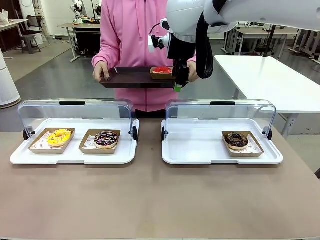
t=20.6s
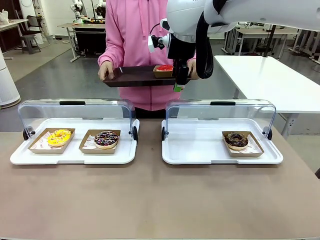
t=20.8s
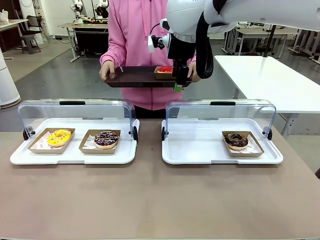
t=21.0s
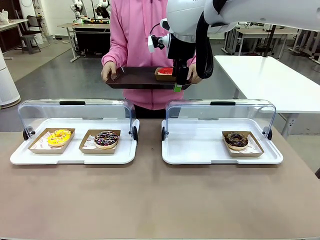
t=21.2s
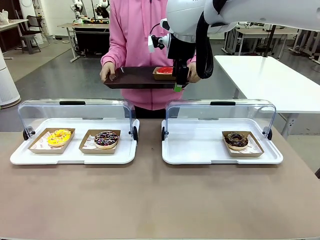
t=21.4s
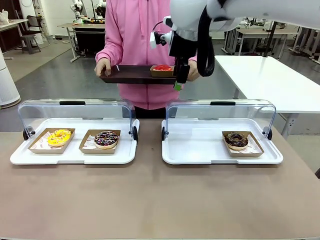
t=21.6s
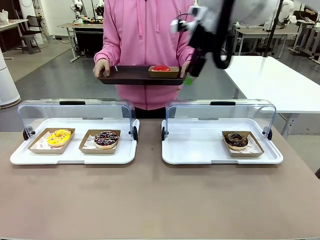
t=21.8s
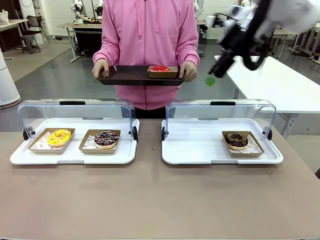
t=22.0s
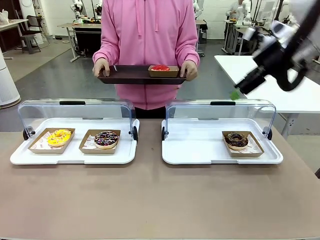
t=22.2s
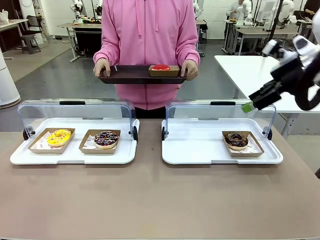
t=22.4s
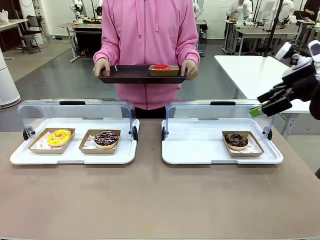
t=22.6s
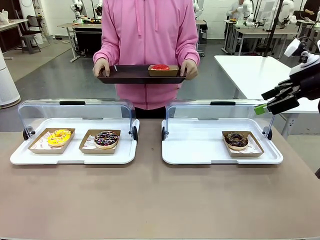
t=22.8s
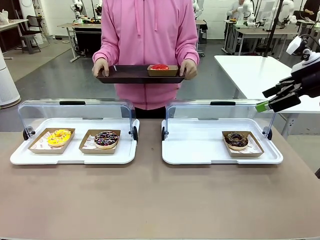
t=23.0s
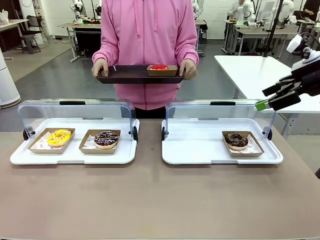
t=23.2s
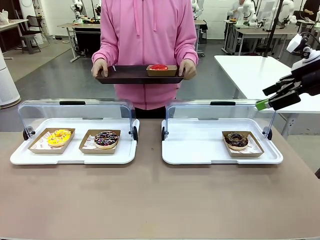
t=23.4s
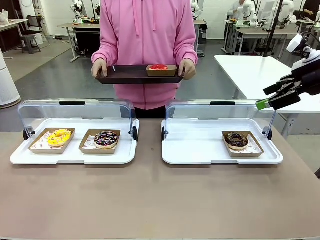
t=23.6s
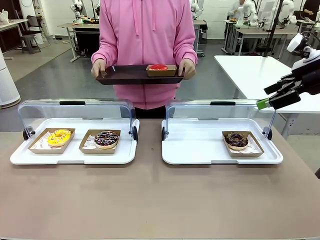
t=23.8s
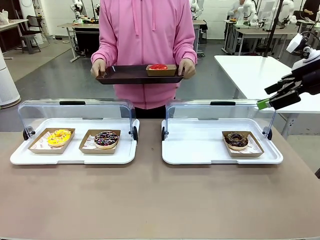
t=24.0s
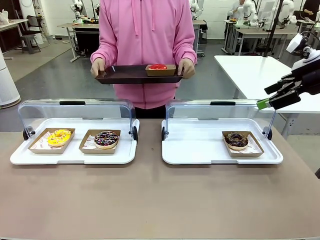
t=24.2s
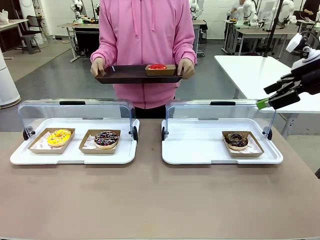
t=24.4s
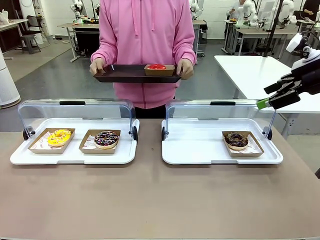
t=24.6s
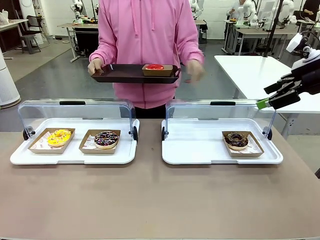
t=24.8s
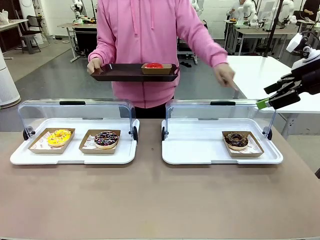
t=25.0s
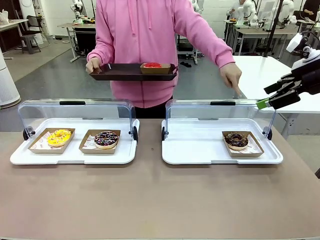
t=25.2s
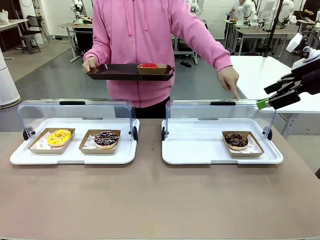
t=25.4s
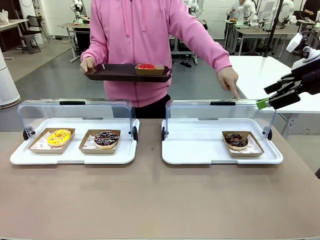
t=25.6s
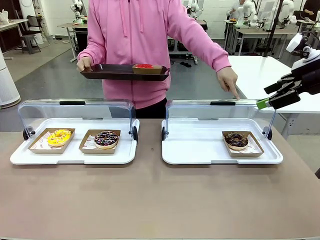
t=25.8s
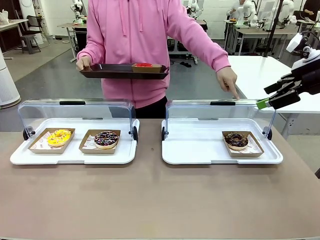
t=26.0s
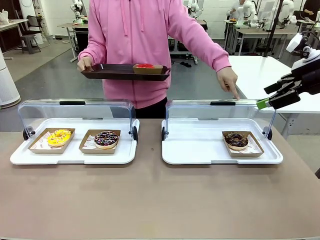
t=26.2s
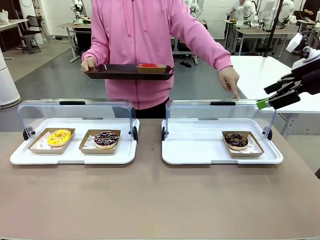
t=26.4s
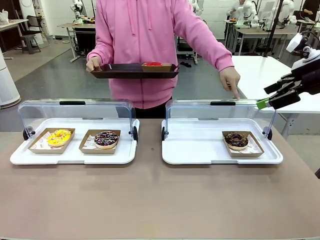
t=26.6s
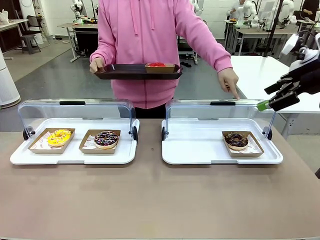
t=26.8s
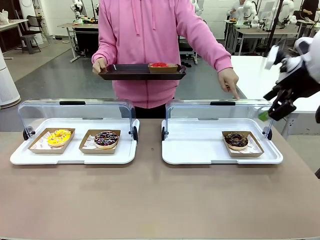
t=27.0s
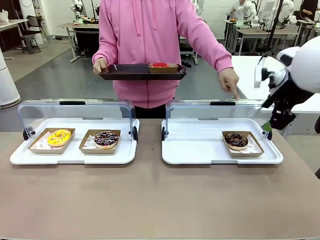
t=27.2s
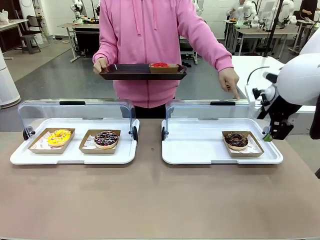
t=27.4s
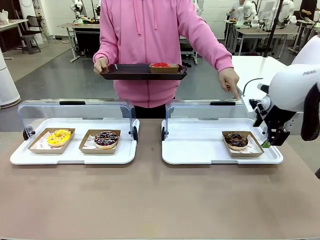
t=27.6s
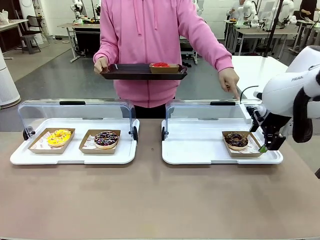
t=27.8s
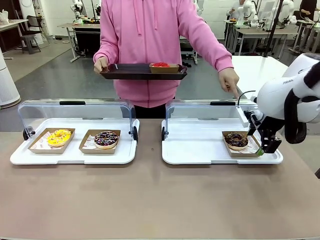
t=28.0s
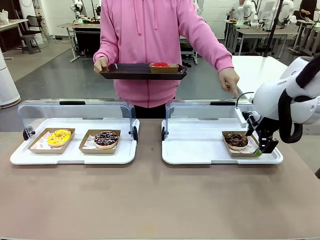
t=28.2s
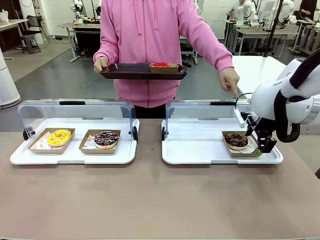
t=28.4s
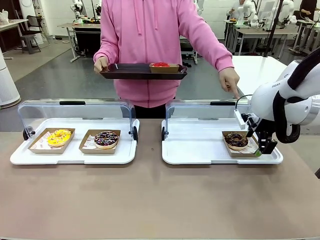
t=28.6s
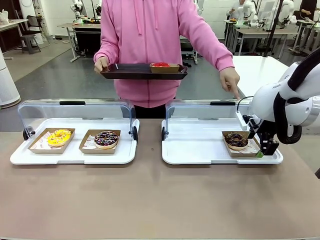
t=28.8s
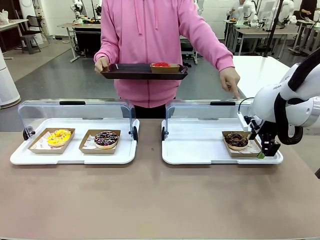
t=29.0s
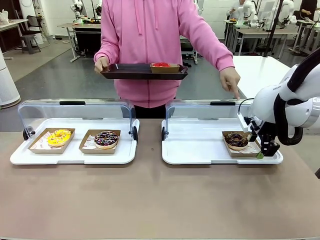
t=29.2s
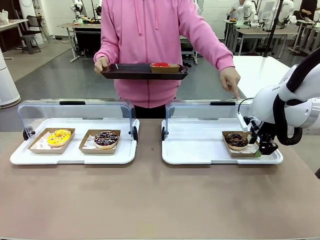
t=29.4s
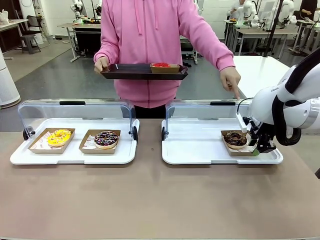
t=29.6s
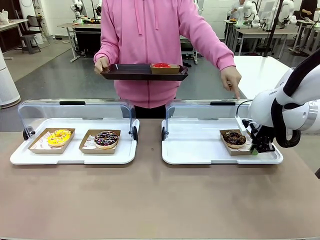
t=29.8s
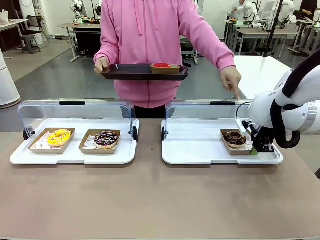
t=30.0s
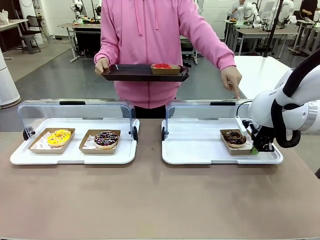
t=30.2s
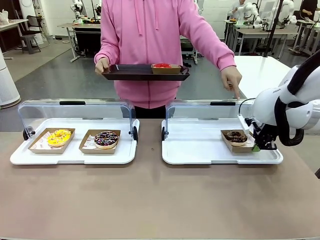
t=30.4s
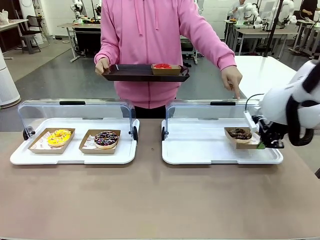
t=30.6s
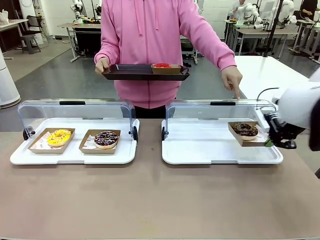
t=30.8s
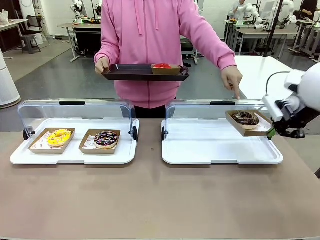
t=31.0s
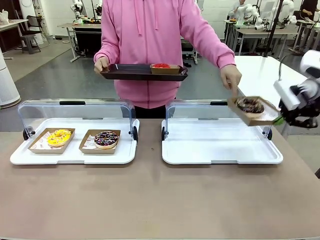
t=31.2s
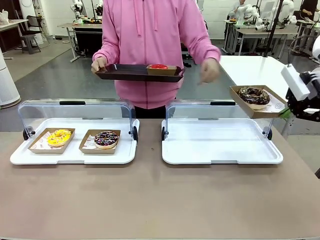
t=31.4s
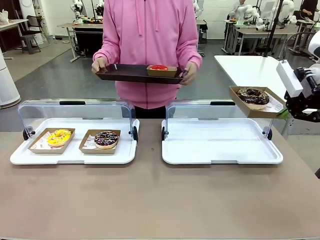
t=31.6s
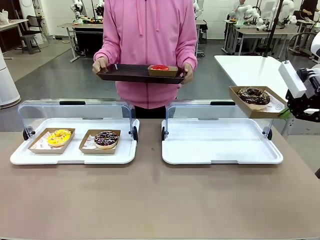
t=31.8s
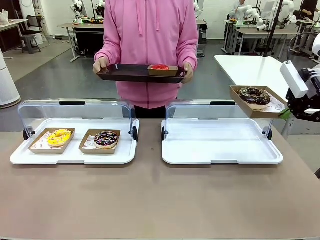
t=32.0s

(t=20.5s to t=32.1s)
Task: Provide the desired donut to the person.
Robot: Pick up and lift the Paper togo box containing the Donut pointed at by the person.
Person: Lift the tray onto the Roll-Top Bakery Case.

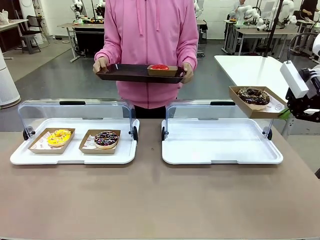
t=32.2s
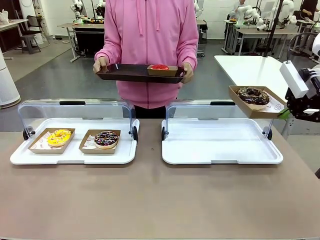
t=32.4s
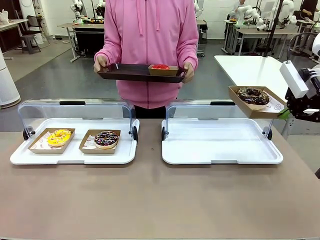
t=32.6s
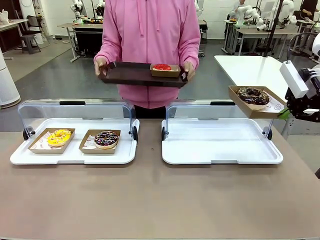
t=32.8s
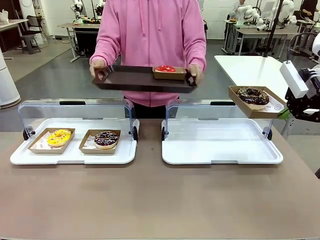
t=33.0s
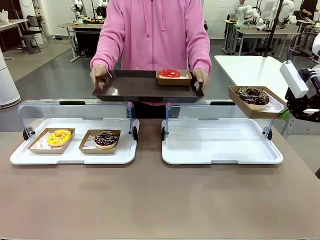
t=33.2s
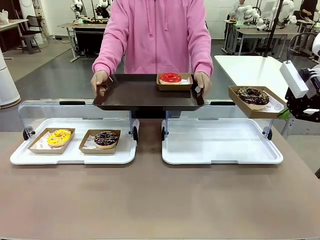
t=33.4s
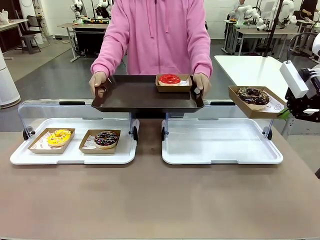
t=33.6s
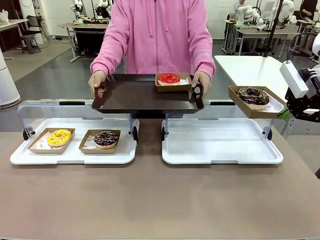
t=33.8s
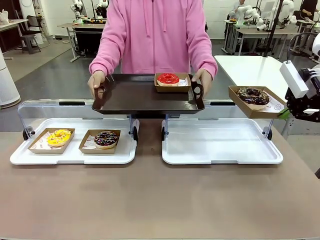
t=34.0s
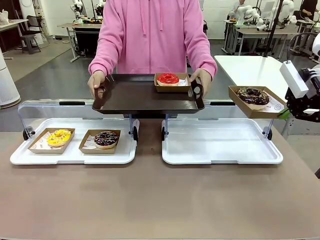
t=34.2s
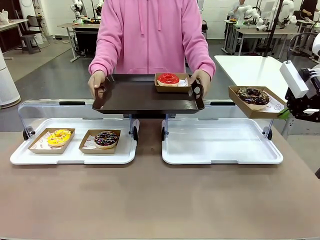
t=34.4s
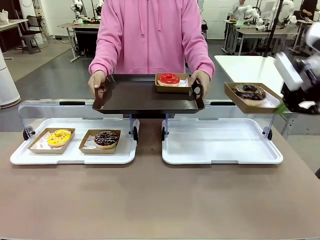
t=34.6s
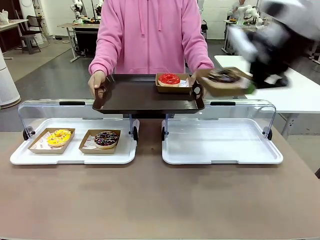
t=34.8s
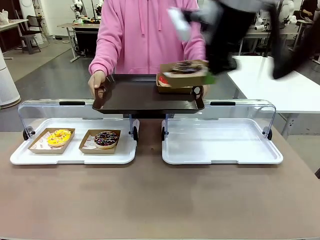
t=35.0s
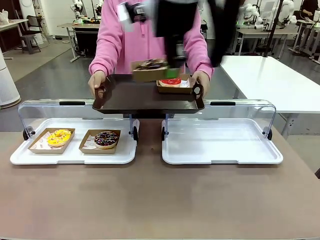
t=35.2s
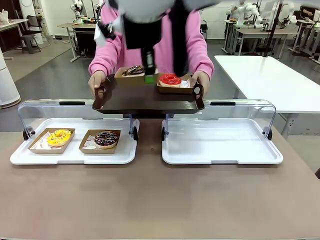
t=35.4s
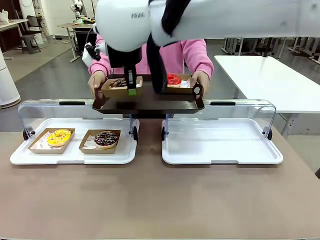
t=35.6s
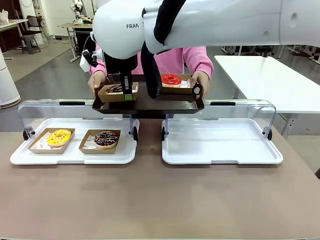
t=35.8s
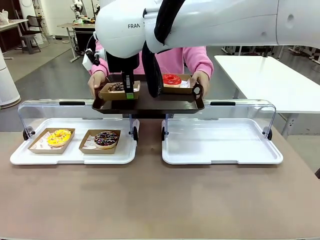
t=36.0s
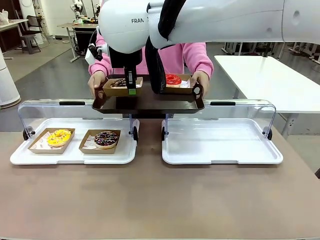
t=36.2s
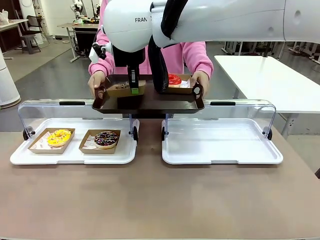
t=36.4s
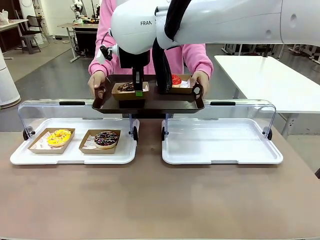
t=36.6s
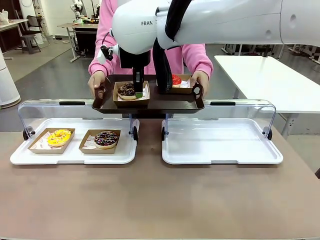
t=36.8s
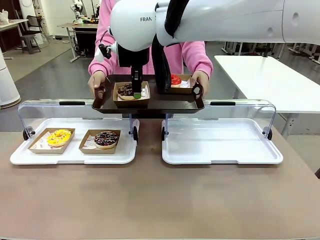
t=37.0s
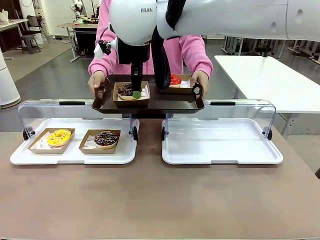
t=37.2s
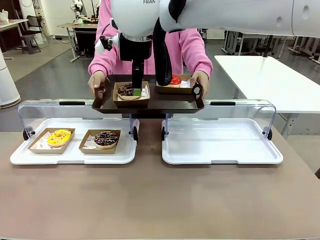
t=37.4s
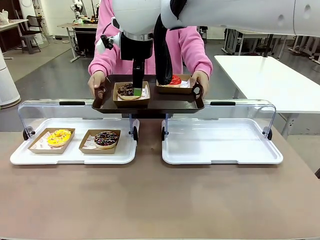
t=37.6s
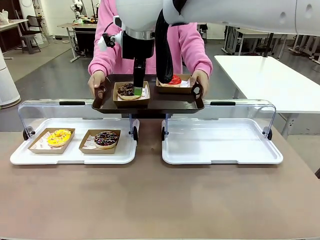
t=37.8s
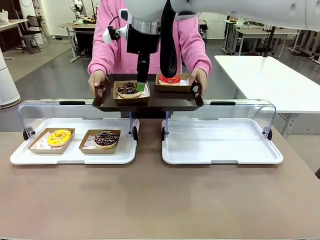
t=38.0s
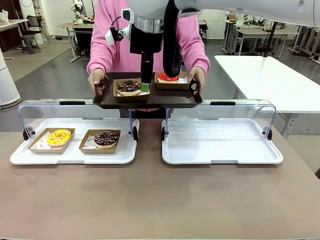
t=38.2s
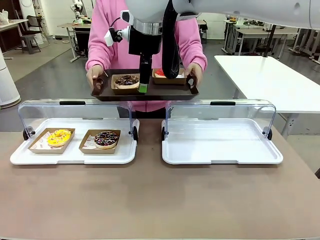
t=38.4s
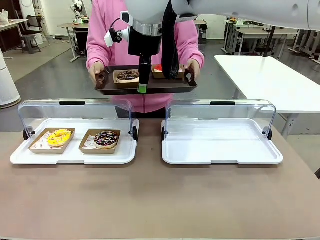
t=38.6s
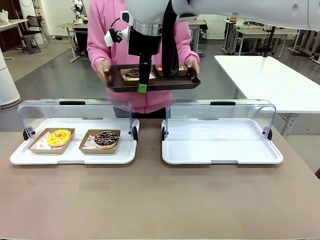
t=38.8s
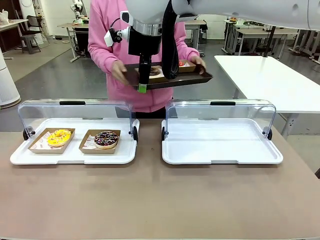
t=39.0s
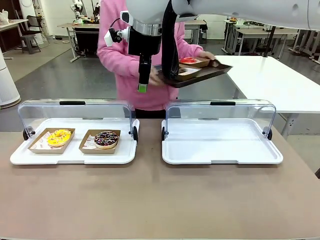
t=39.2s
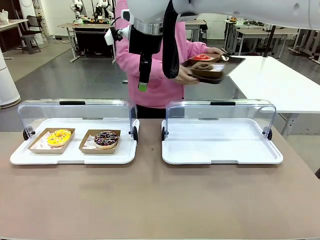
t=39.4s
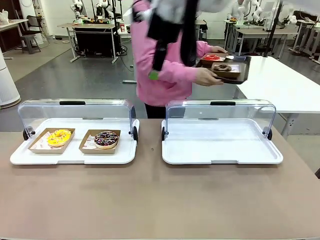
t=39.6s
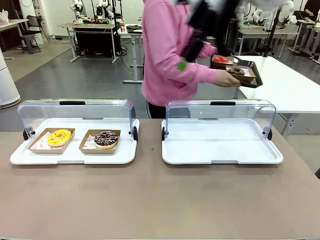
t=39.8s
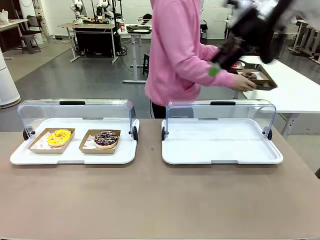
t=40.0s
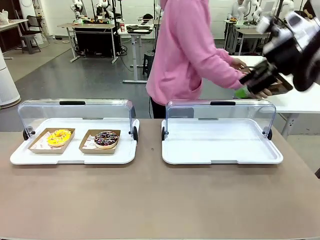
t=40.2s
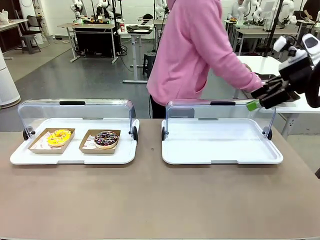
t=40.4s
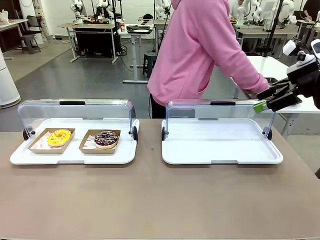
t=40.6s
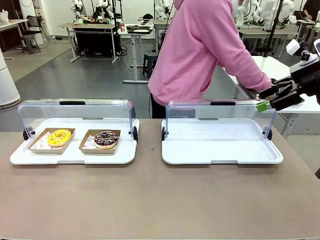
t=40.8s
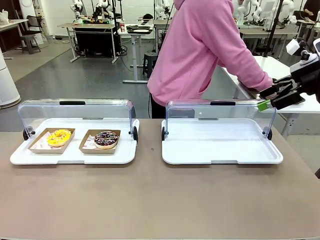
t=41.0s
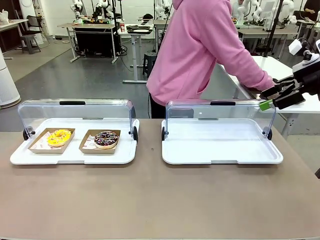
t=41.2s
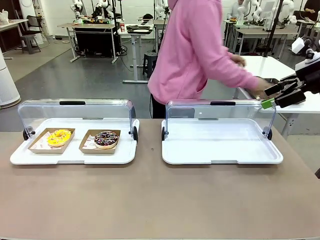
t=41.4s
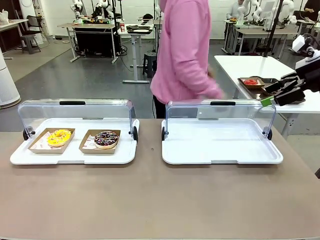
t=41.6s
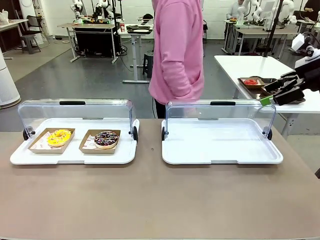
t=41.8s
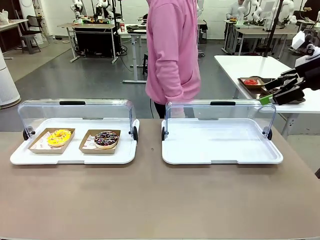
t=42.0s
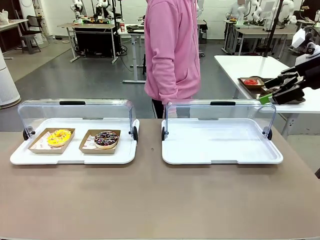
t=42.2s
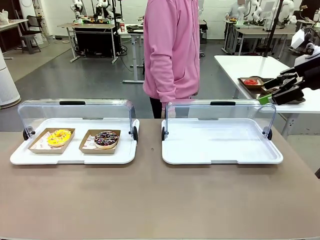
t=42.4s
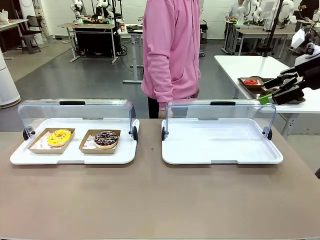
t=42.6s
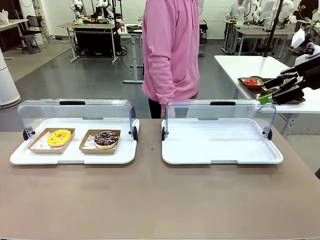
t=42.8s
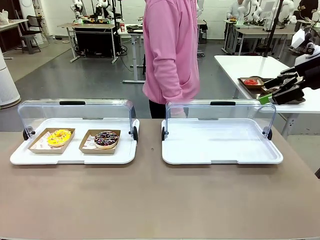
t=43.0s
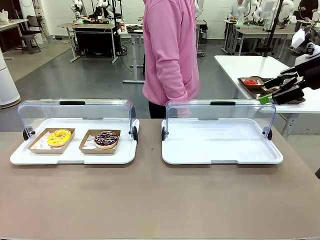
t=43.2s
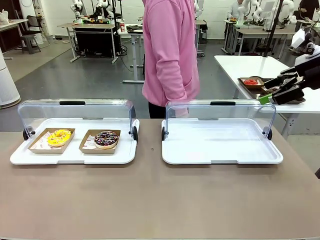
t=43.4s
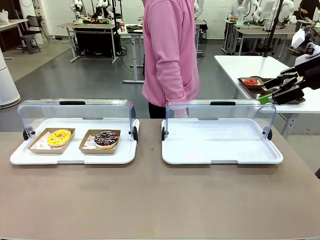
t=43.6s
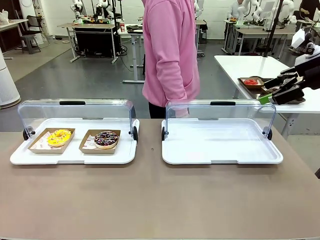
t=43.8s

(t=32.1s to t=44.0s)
Robot: Place the picked Paper togo box onto the Handle tray extended by the person.
Person: Place the tray in the middle of the human table.
